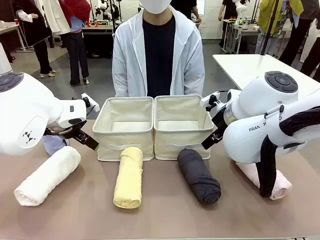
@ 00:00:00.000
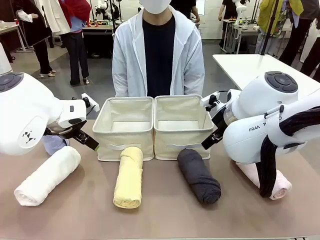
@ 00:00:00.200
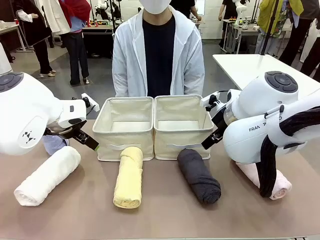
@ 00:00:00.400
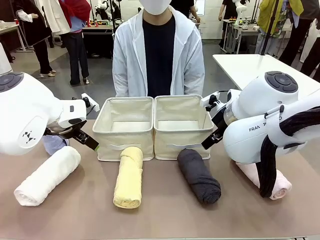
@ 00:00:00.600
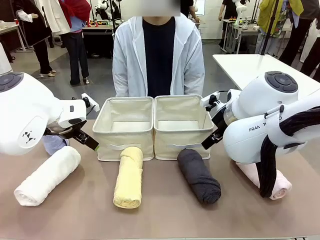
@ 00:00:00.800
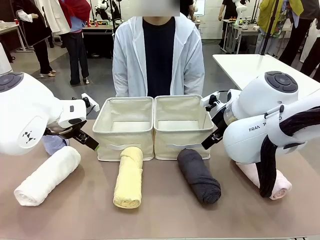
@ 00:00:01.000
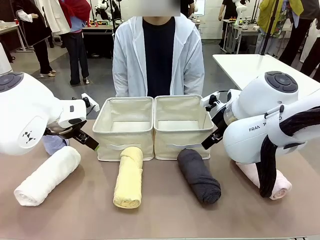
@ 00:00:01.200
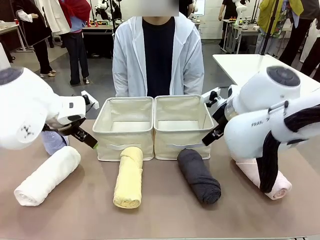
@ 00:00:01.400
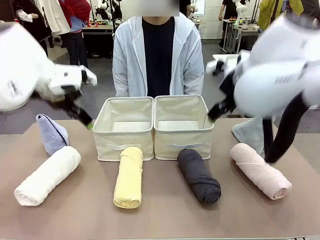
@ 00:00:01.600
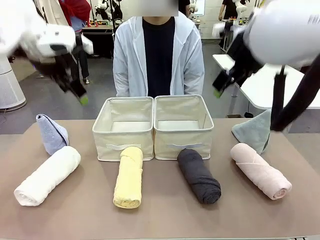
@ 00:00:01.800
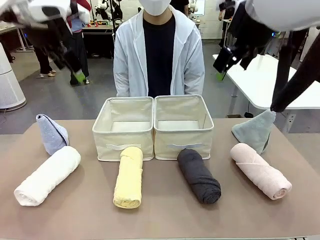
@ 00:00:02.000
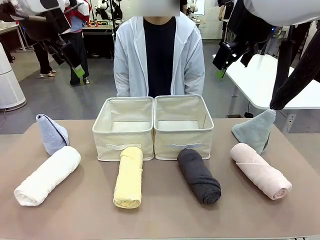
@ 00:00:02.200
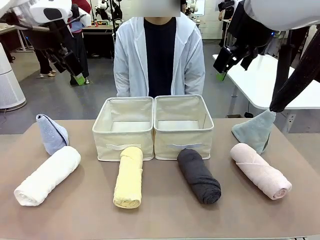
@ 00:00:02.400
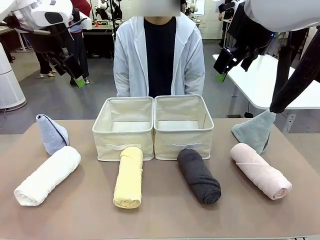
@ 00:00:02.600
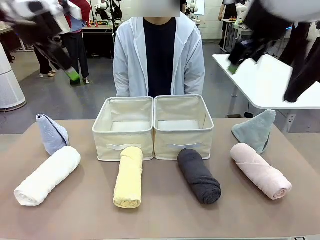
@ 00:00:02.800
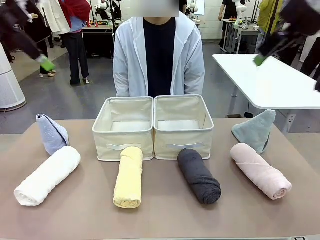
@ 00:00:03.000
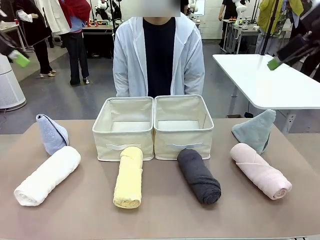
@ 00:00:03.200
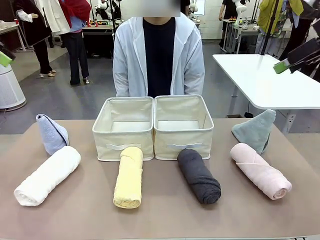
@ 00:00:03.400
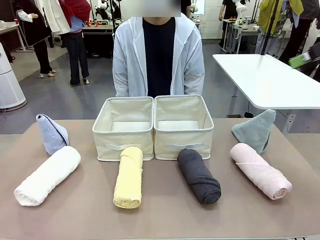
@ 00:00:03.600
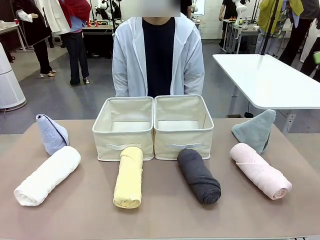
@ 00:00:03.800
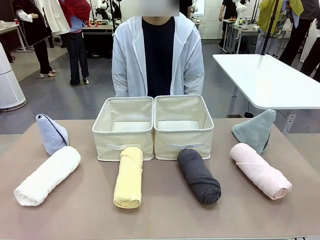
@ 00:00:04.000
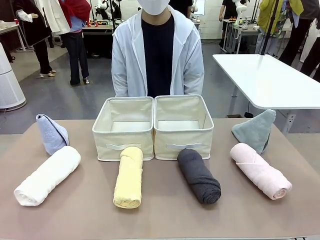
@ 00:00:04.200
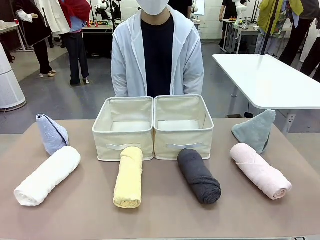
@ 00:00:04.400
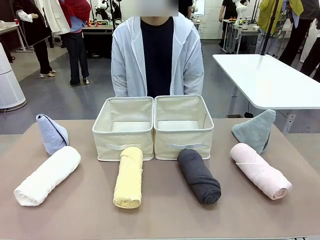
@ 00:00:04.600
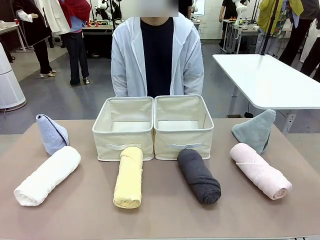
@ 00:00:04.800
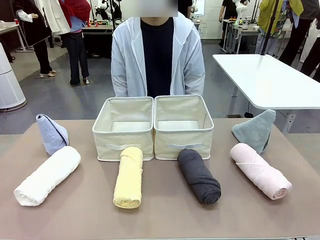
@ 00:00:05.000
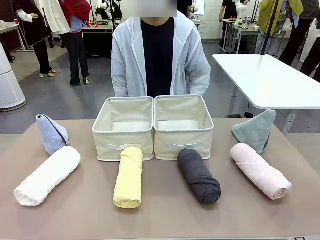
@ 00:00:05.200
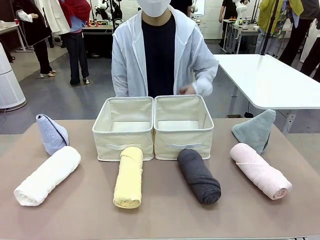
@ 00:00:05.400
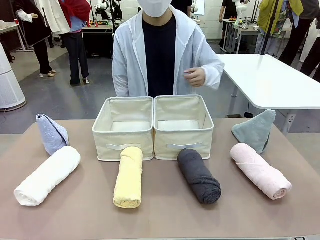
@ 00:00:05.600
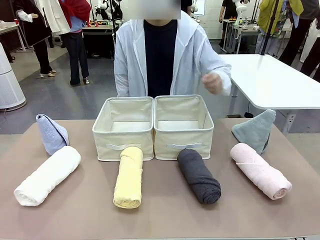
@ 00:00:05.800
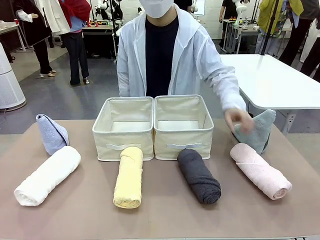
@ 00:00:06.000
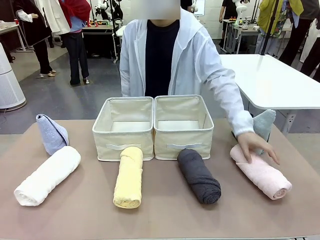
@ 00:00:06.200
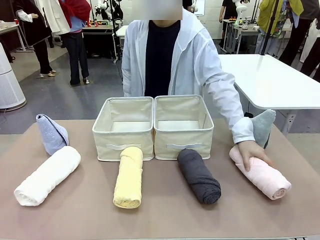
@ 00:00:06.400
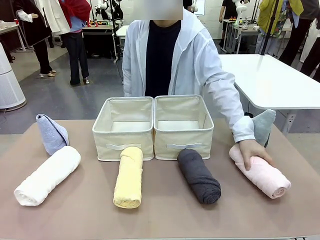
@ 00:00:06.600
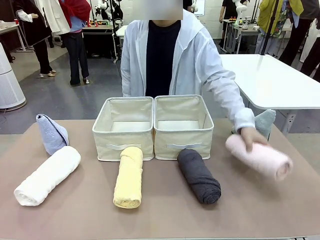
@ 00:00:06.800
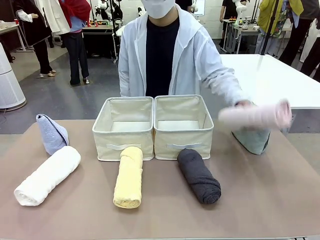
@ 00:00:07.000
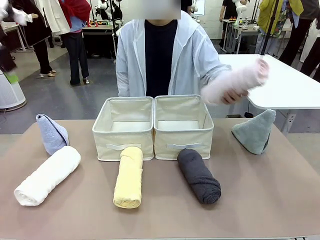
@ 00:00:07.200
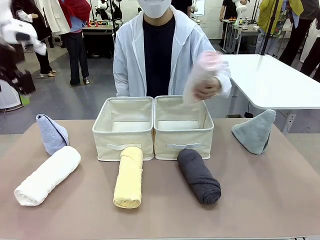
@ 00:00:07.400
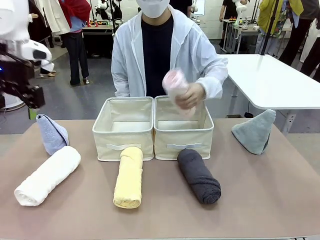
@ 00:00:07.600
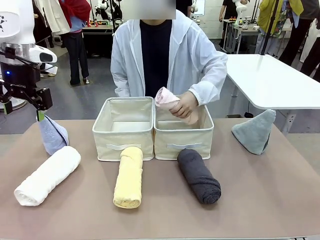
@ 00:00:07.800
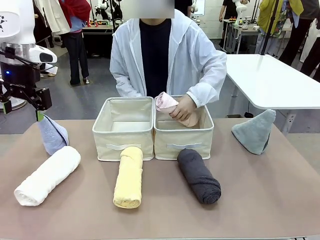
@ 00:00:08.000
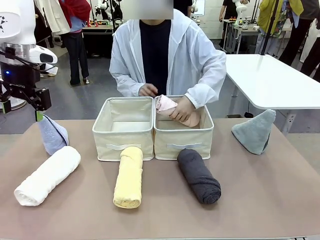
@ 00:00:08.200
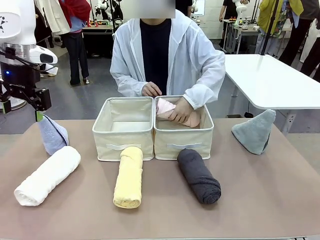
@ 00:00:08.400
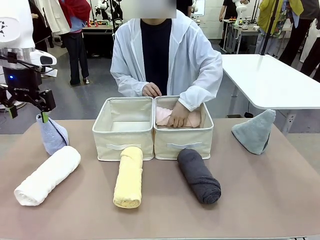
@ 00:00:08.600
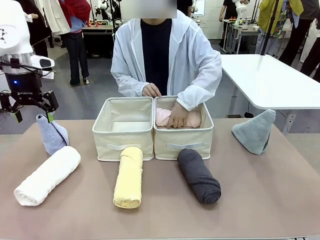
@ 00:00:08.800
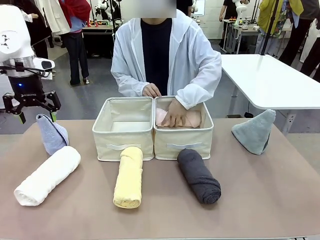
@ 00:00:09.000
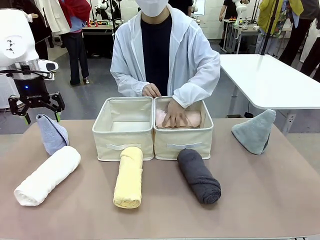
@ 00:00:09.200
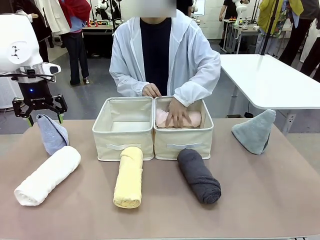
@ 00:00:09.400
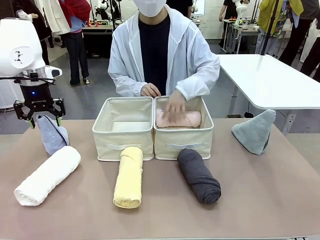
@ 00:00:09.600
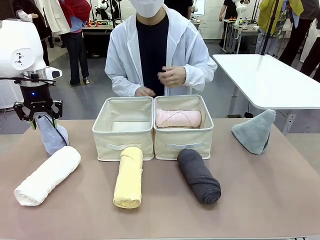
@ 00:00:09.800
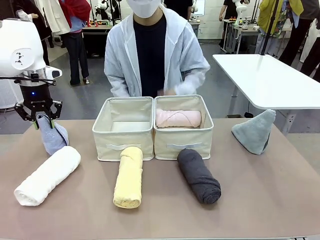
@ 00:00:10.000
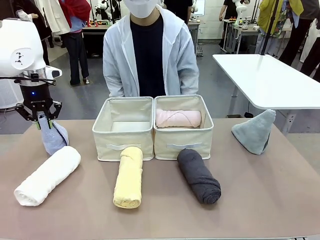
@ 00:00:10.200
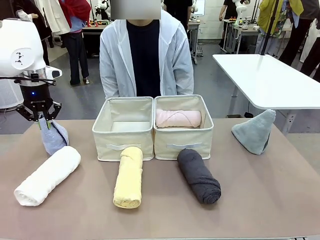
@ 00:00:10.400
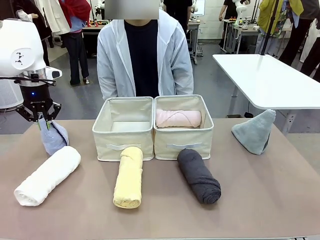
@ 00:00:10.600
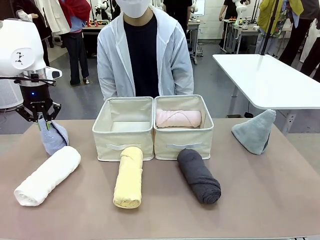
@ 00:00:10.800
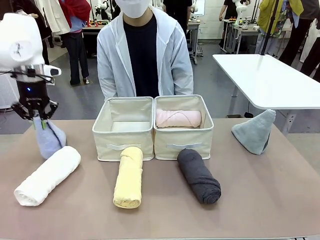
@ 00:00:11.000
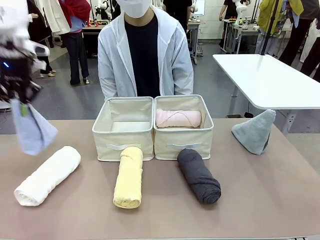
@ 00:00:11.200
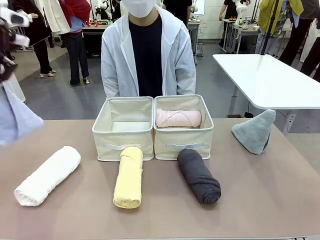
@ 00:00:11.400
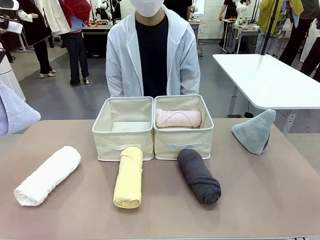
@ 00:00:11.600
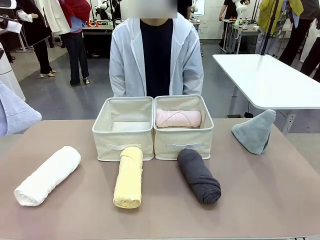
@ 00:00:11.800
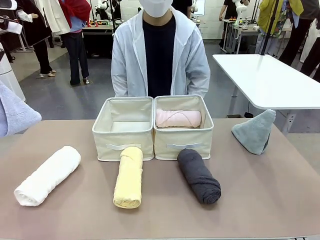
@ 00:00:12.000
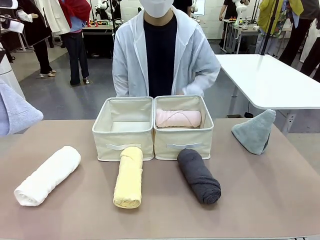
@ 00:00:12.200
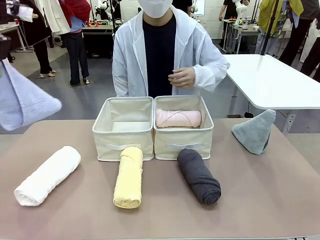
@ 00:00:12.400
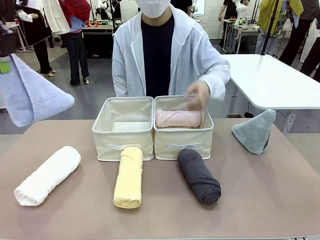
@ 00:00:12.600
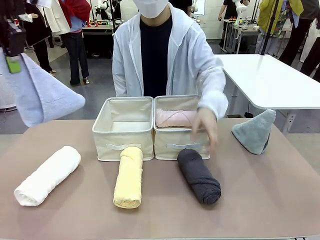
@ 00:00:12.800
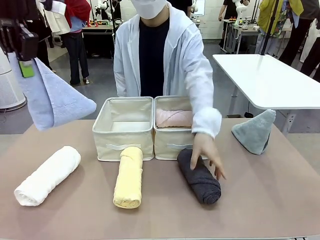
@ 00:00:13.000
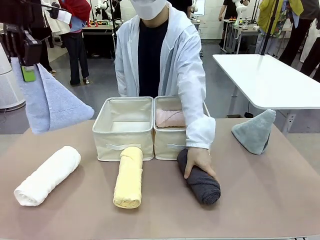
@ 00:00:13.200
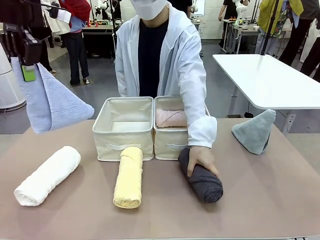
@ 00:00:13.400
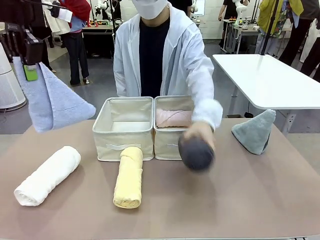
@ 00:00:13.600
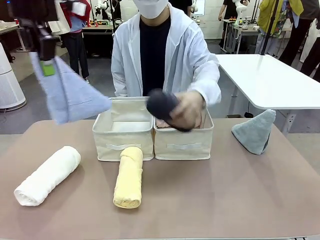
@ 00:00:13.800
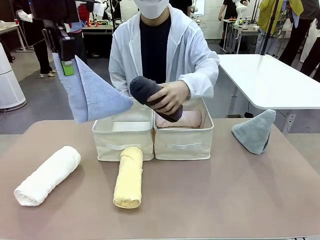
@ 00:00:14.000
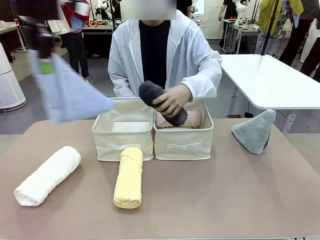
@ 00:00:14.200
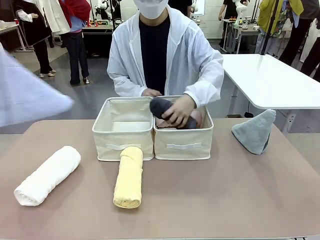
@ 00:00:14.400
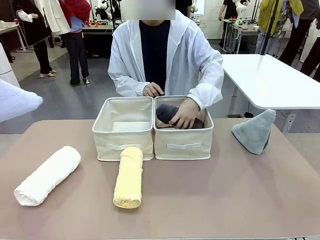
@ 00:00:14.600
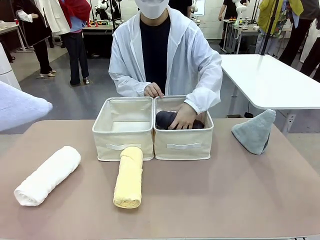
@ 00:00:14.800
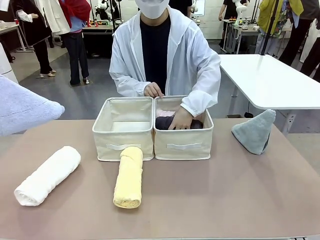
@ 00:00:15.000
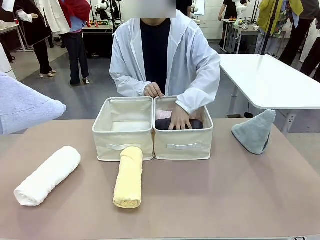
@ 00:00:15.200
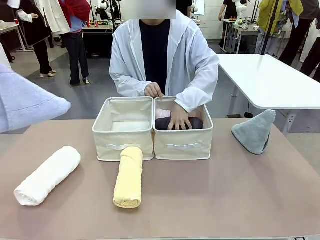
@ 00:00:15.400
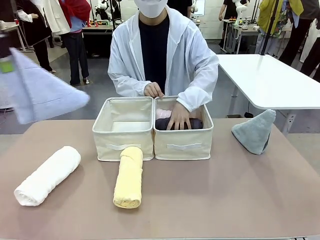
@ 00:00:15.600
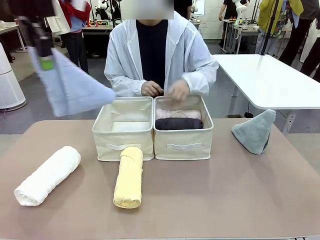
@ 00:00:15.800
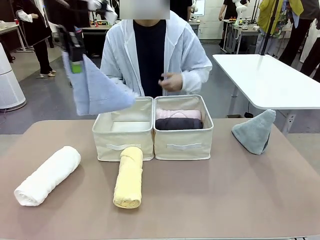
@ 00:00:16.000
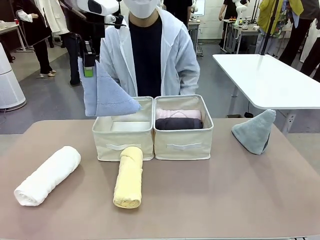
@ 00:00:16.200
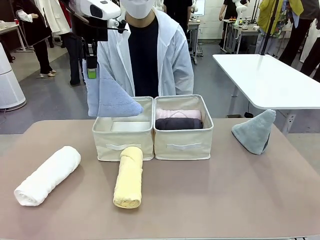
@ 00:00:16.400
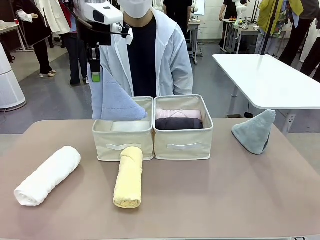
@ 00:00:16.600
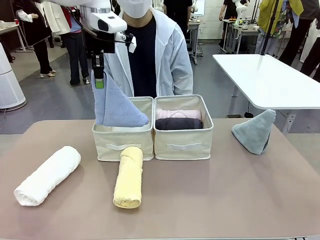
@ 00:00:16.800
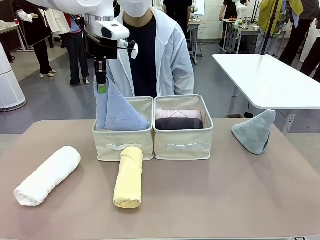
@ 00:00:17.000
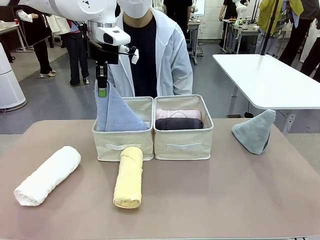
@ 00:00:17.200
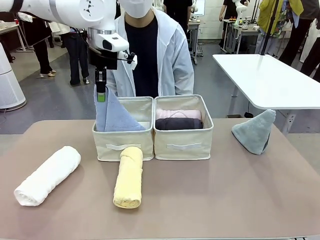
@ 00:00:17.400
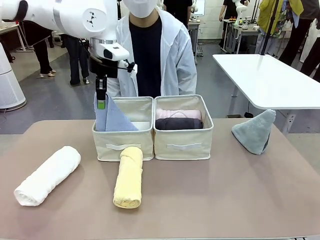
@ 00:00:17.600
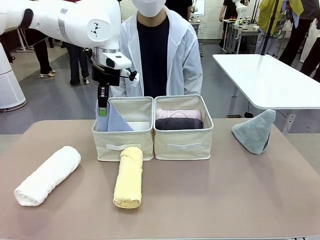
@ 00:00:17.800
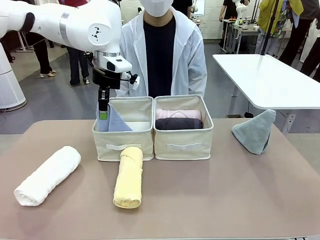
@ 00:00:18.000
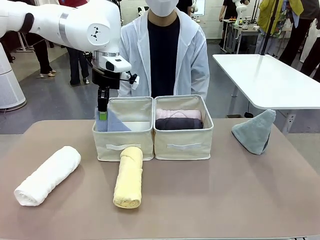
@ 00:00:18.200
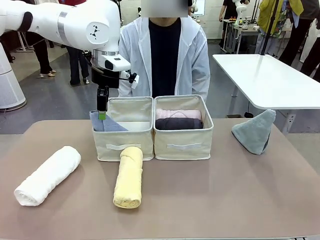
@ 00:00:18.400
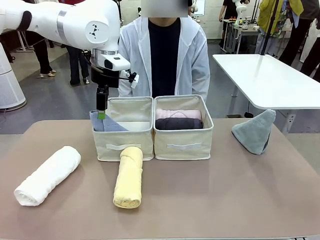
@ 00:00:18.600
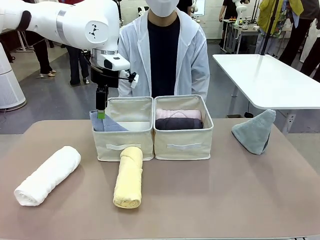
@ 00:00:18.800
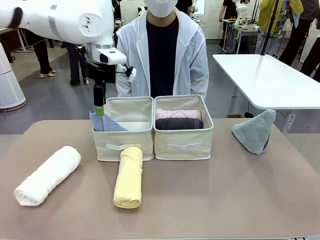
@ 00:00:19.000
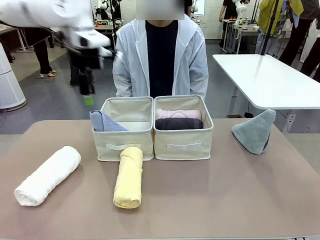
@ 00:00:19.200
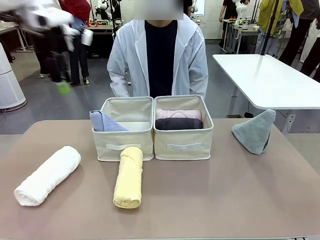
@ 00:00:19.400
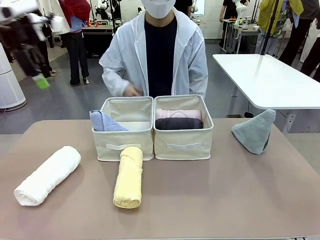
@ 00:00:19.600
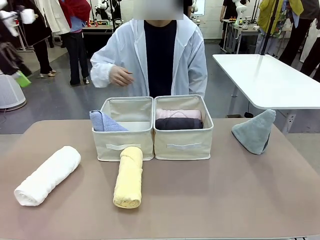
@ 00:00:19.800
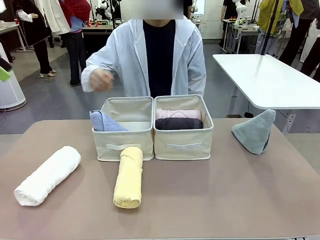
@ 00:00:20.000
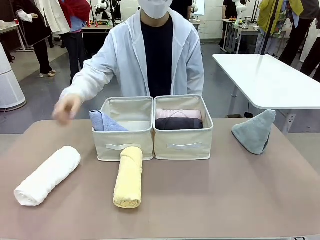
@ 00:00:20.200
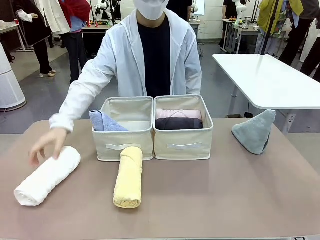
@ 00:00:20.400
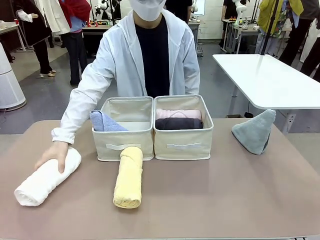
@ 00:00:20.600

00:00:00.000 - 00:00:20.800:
Task: Sort the towels based on their folding style.
Robot: Pick up one triangle-folded towel and place it in the left Fabric basket.
Person: Pick up one hotel-style rolled towel and place it in the left fabric basket.
